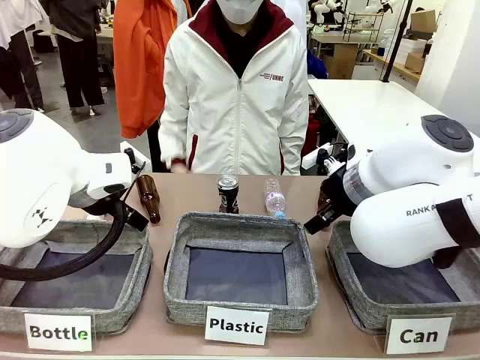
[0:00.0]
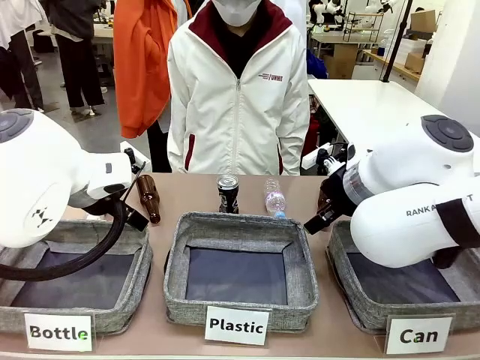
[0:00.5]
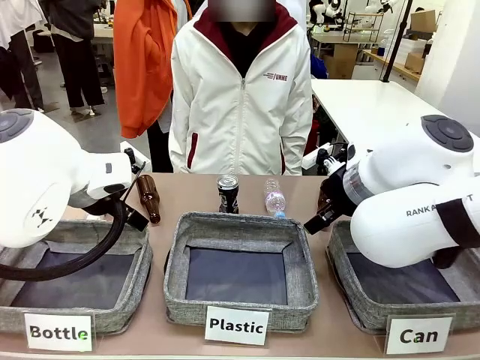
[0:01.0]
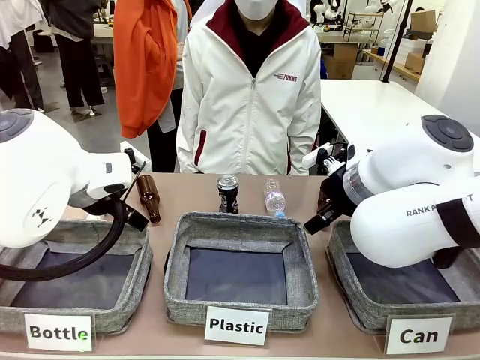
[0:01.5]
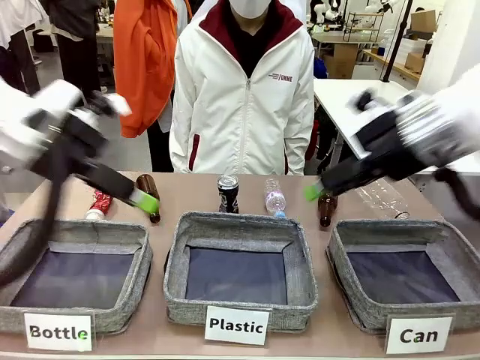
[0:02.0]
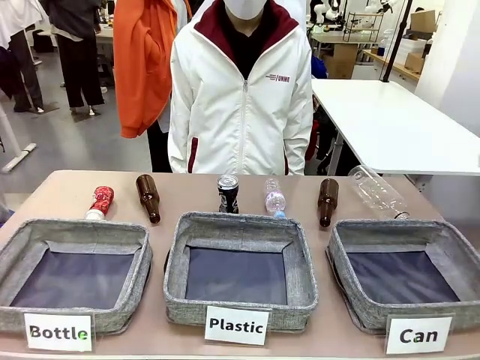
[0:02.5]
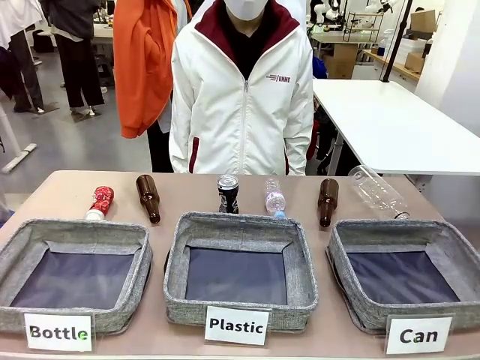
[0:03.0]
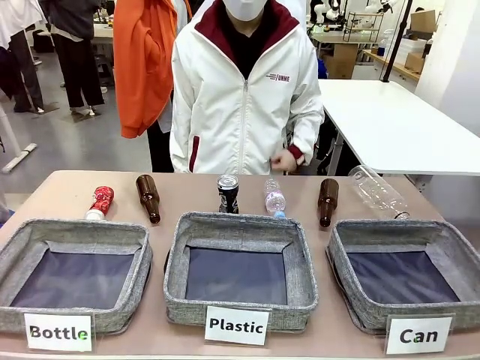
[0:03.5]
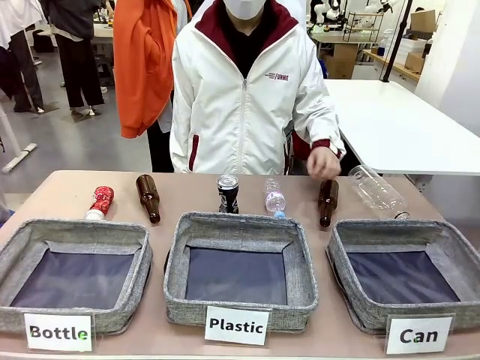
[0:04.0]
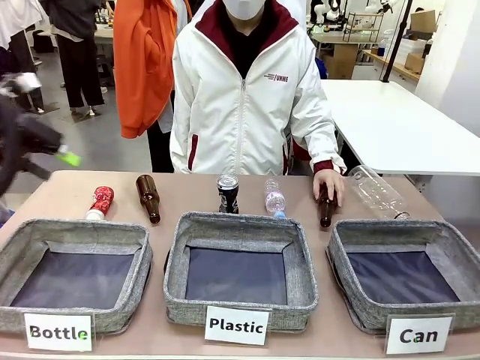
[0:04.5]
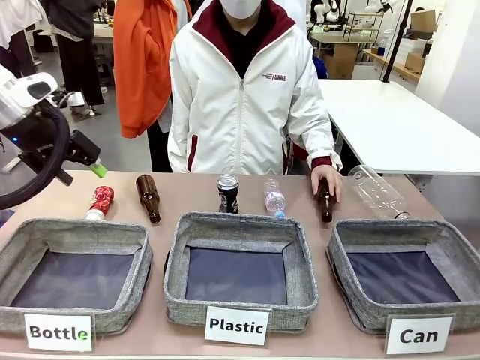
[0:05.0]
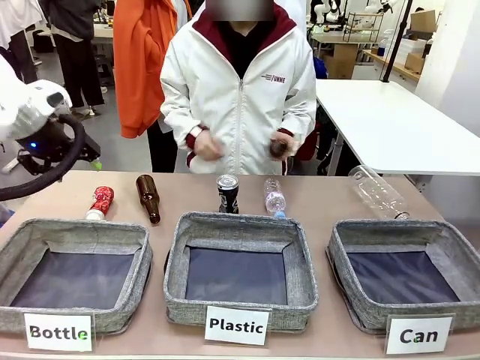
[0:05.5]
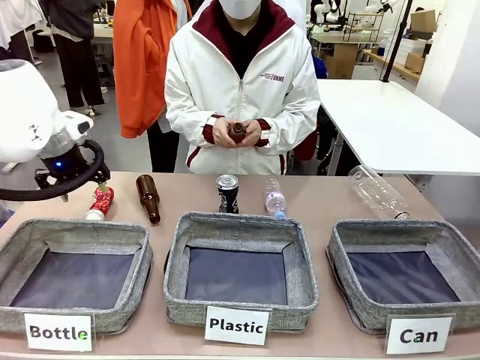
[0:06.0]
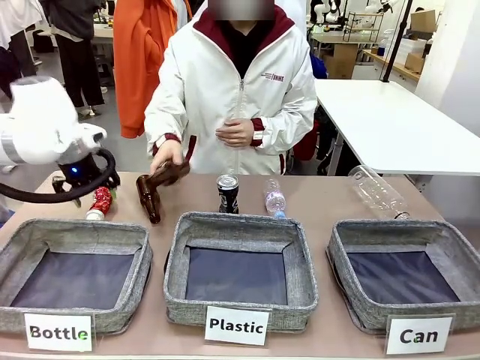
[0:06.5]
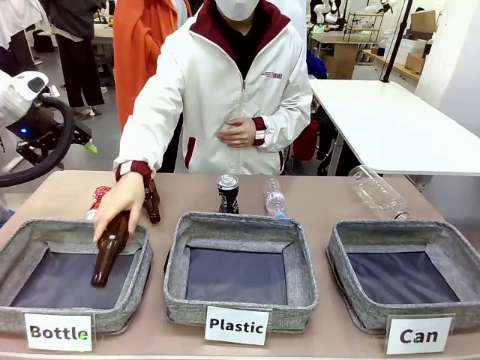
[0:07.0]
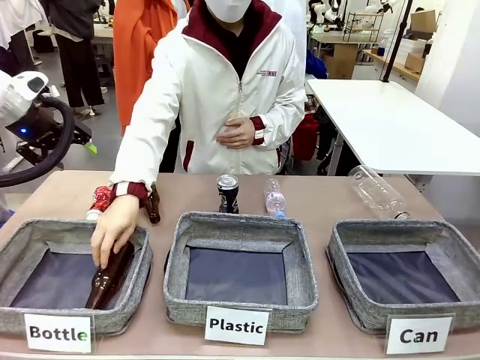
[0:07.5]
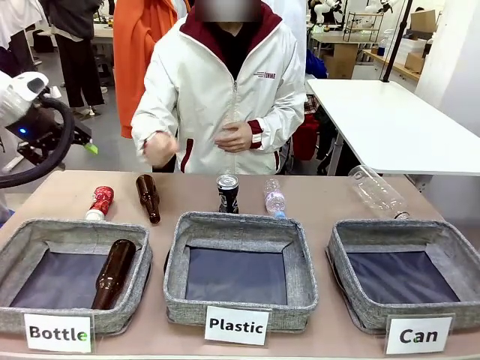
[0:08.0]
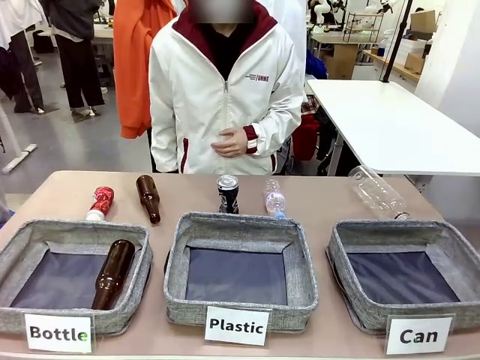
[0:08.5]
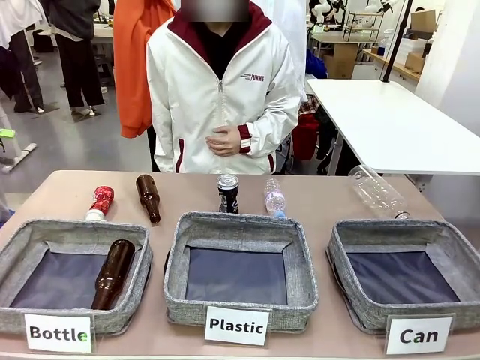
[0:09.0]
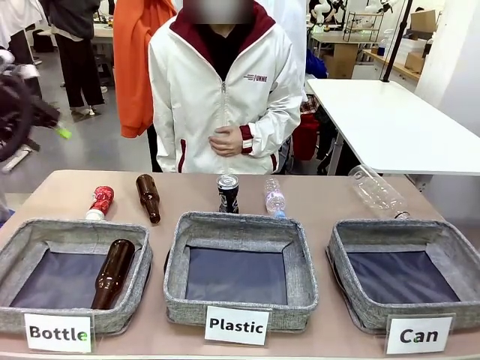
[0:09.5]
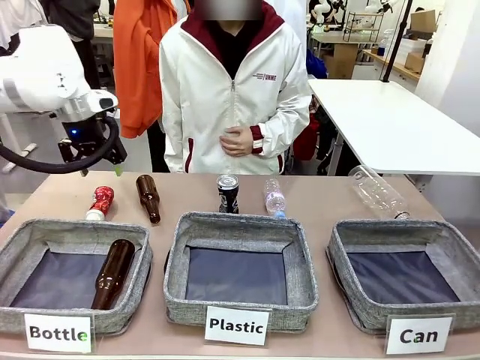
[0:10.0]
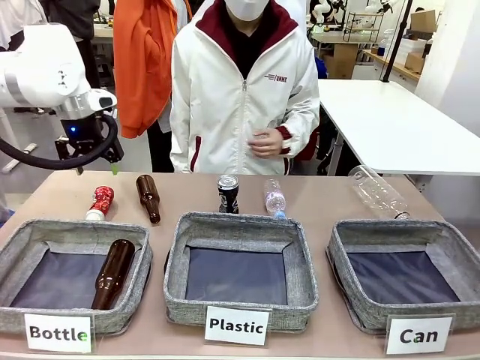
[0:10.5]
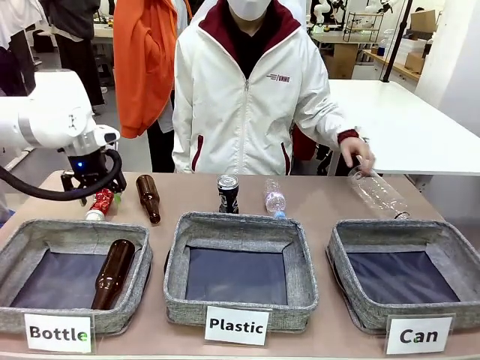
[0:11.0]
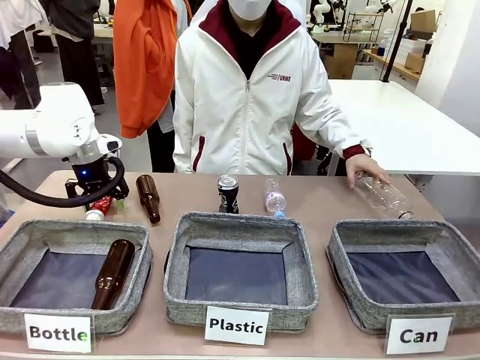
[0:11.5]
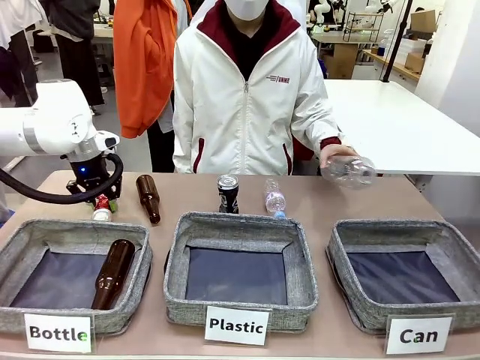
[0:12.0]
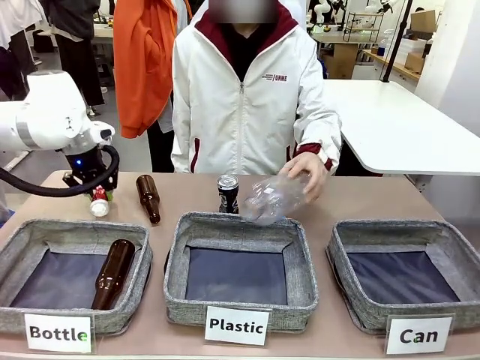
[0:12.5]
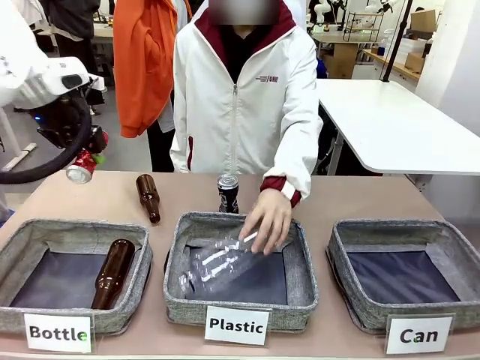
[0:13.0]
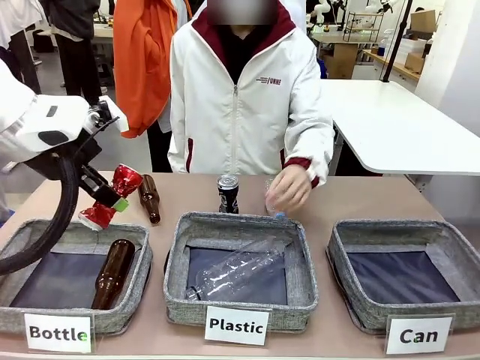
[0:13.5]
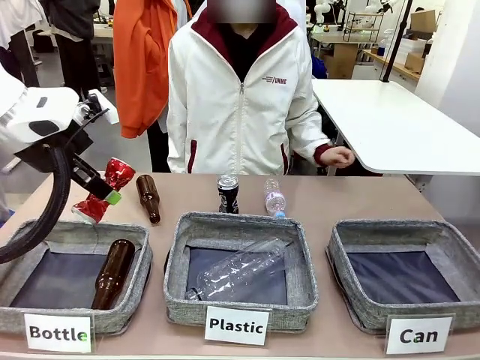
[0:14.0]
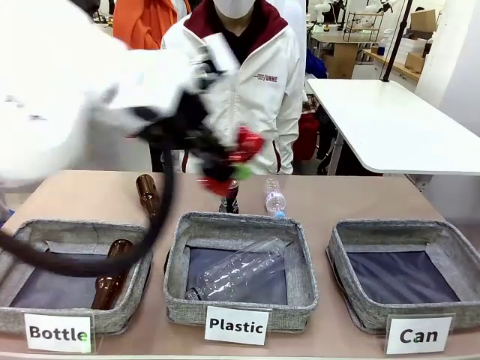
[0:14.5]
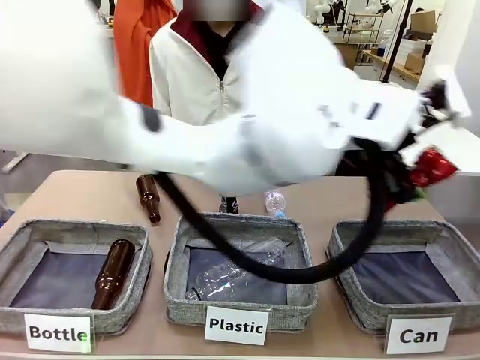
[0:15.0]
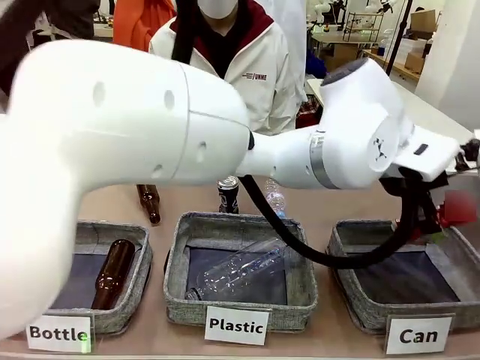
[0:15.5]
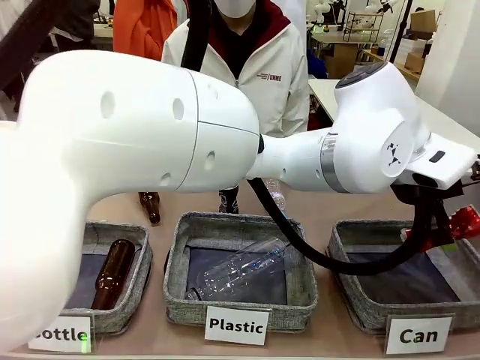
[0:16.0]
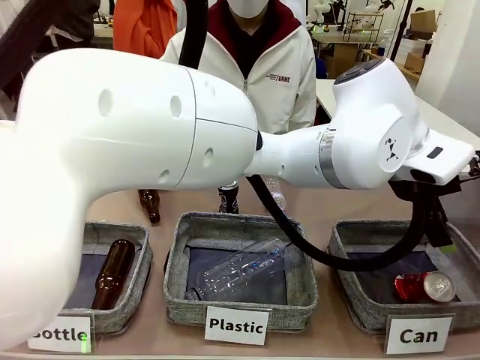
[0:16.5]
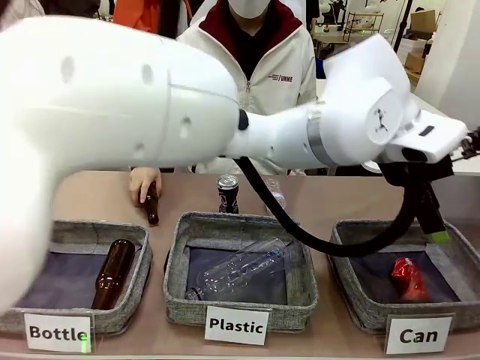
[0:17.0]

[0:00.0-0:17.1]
Task: Sort the can waste into the basket.
Robot: Pick up the can waste from the table and place it in the right Fabric basket.
